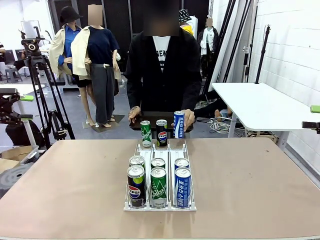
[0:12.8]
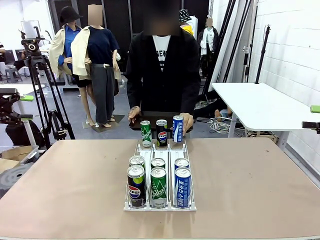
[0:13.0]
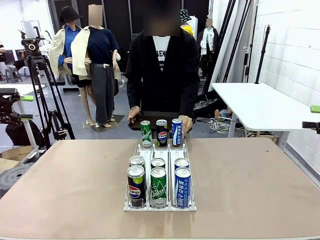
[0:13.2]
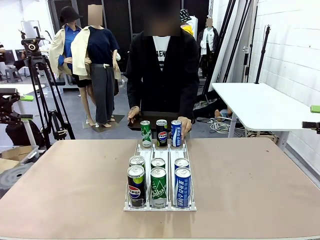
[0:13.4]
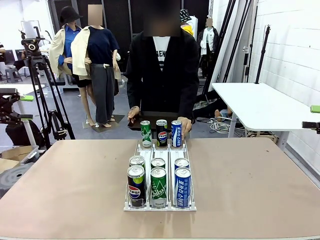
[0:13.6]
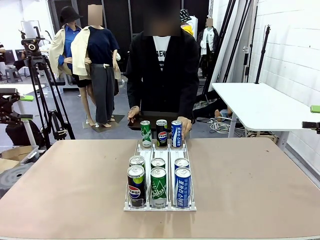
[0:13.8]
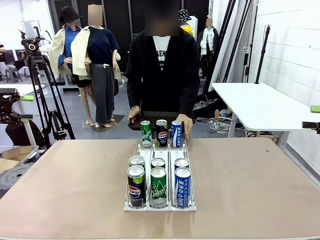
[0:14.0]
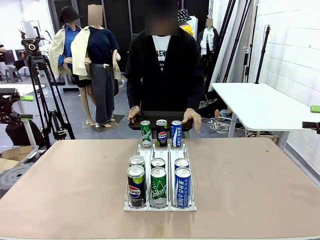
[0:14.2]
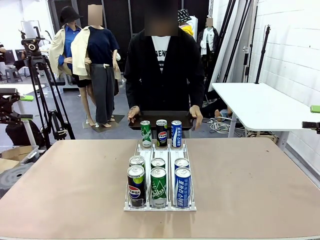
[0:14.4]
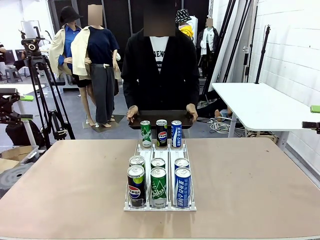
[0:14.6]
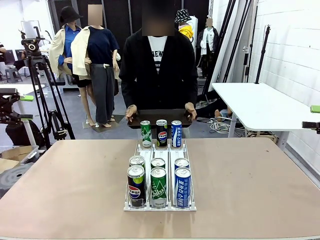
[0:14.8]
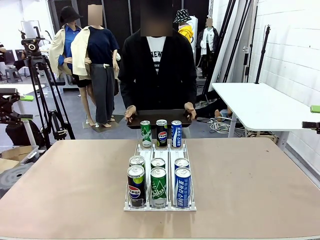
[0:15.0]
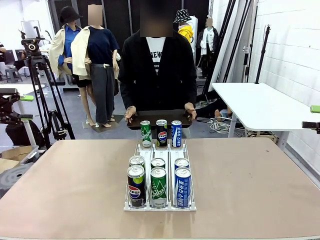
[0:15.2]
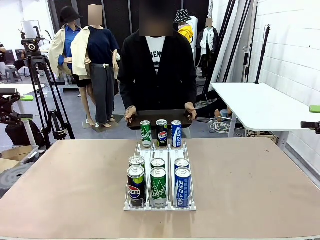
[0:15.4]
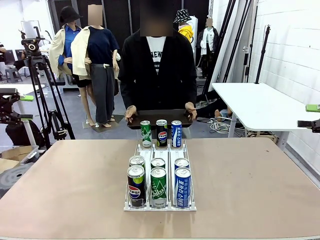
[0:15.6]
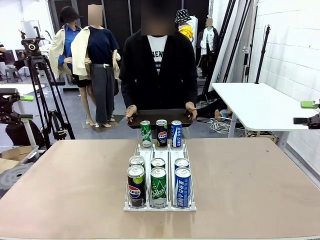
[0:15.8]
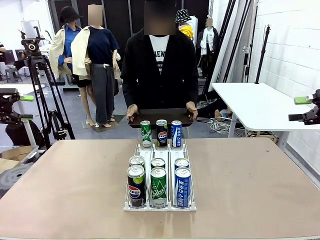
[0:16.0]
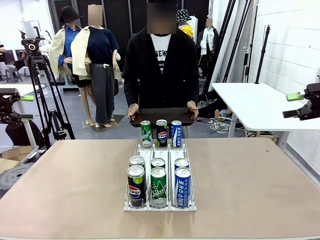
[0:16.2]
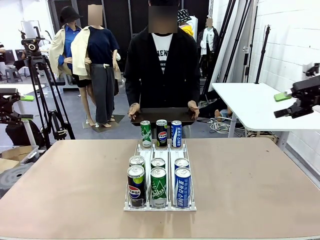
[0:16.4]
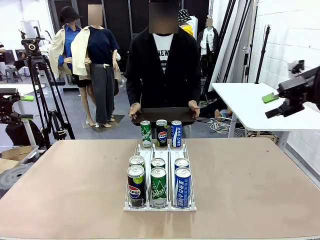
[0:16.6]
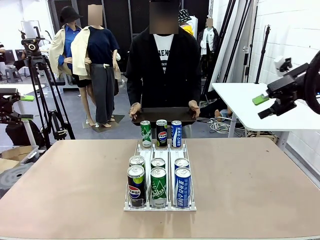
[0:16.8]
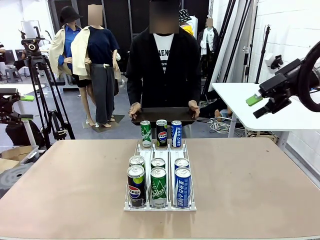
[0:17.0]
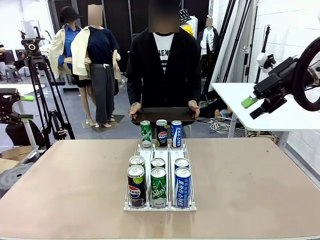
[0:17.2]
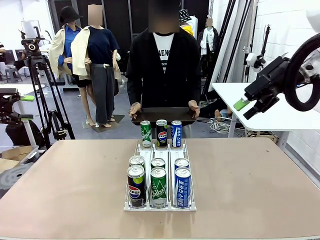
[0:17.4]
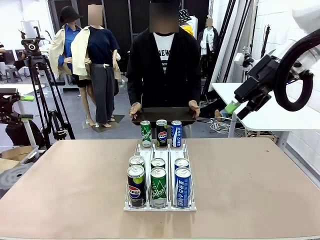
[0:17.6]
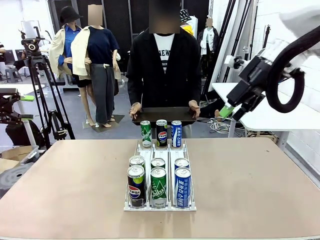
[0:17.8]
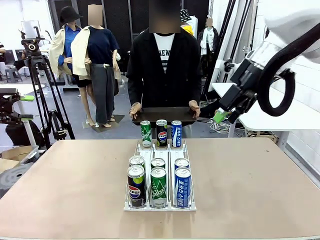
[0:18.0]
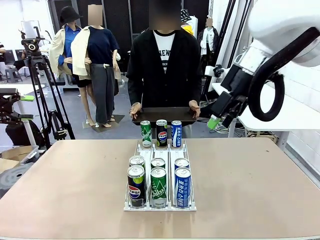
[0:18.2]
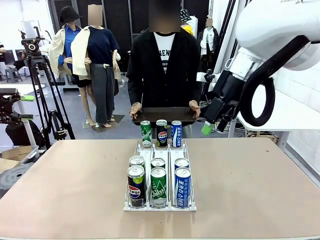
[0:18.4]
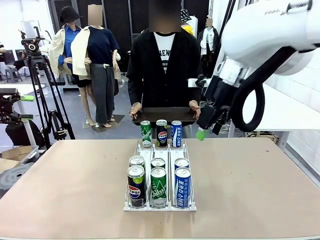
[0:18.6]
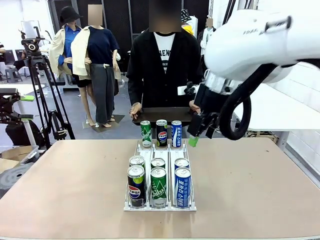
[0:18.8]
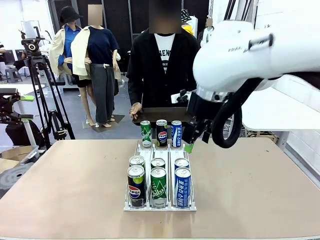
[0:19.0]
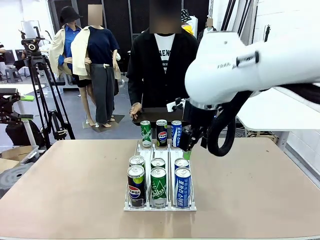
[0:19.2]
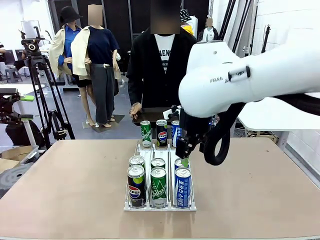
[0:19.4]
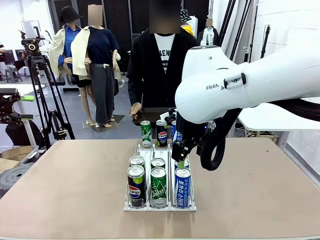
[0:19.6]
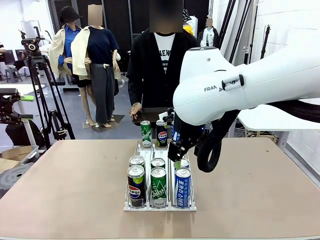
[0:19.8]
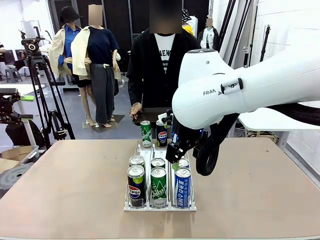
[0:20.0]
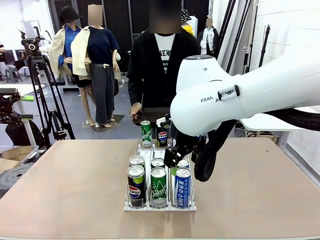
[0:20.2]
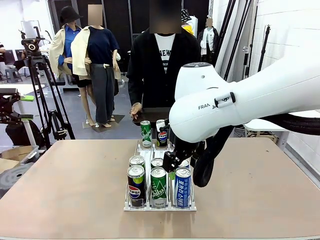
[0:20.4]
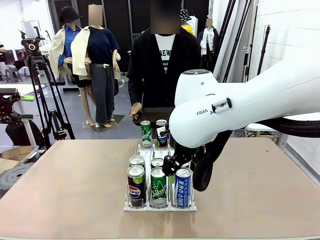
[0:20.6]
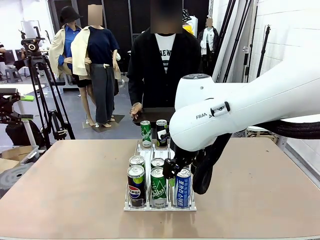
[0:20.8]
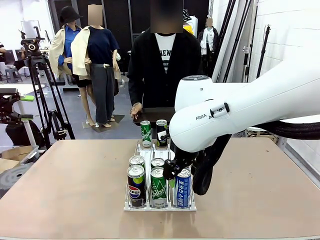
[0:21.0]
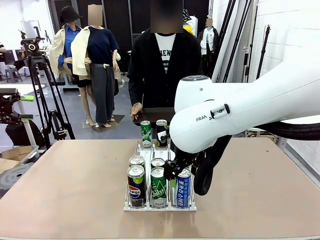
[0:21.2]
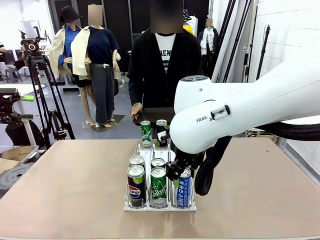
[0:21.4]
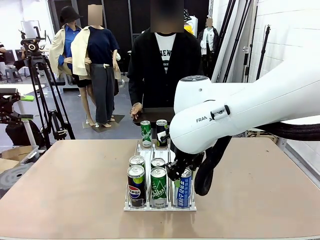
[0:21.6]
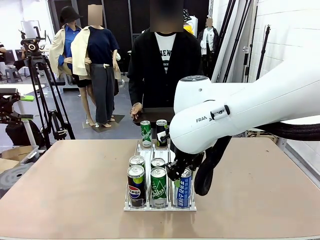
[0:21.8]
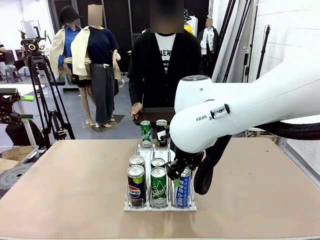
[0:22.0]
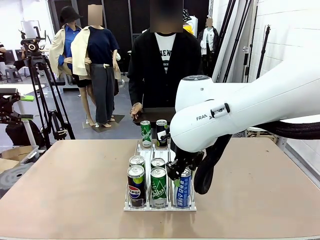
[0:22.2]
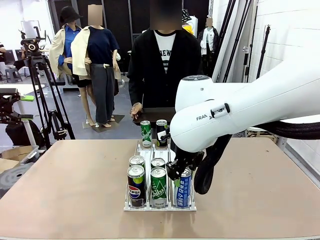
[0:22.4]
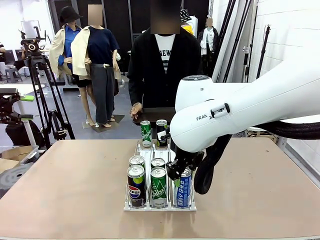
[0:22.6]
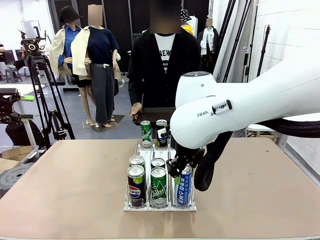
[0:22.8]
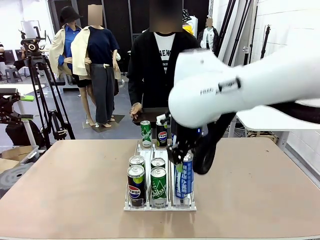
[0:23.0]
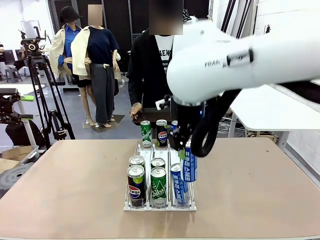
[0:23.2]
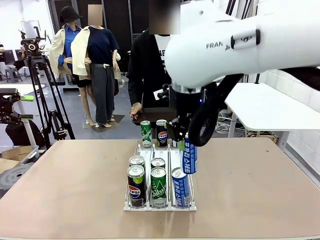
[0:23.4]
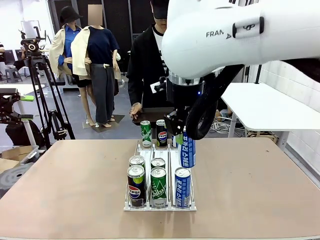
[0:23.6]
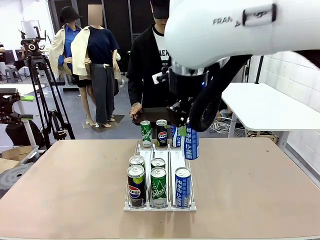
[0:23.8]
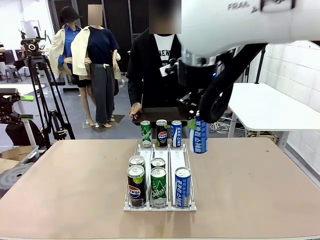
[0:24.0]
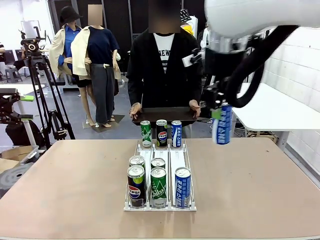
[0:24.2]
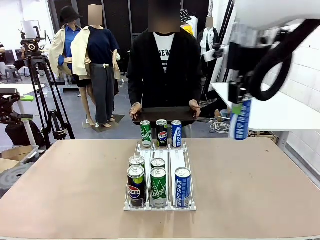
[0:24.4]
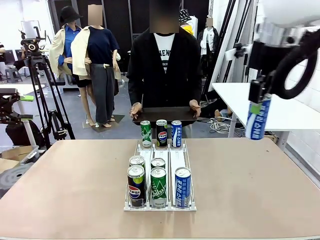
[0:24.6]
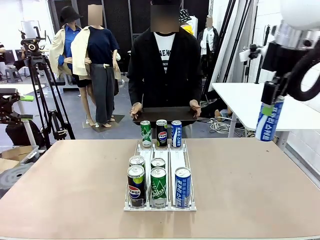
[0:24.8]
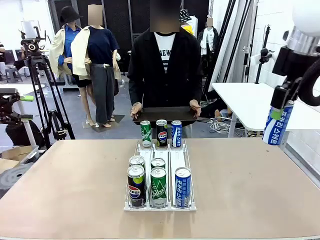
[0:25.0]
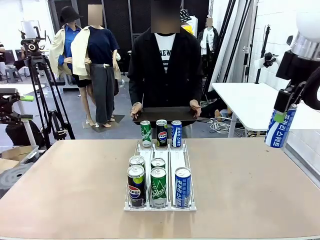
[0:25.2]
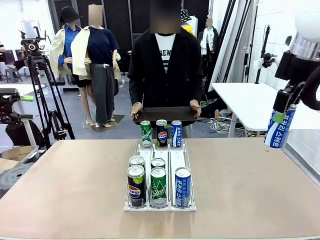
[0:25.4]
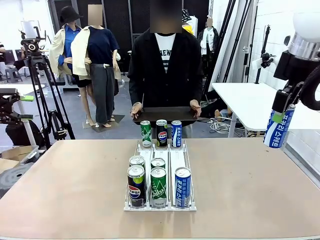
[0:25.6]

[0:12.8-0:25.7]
Task: Retrieve and hand over the desired beverage to the person.
Robot: Pick up a can of the same type that the person held from the Automatic Can Dispenser.
Person: Push the tray toward the robot.

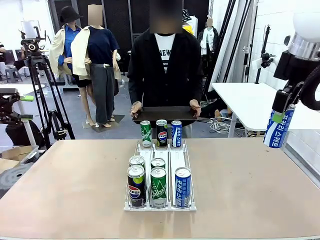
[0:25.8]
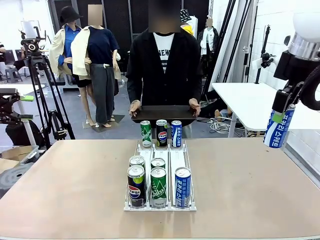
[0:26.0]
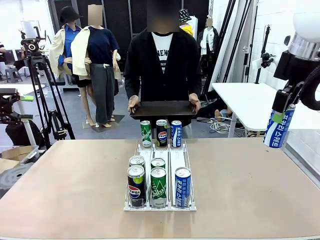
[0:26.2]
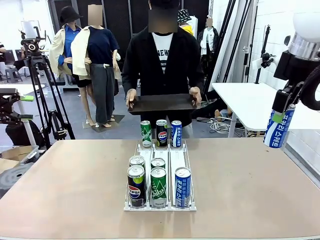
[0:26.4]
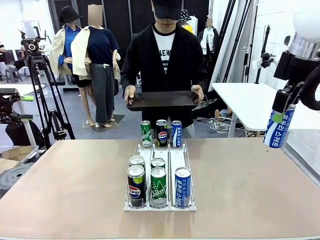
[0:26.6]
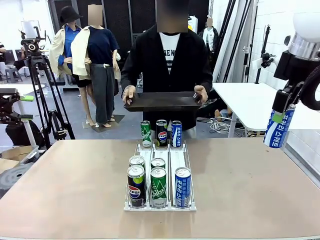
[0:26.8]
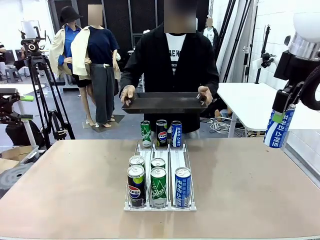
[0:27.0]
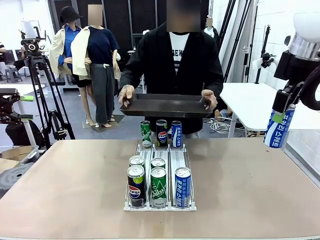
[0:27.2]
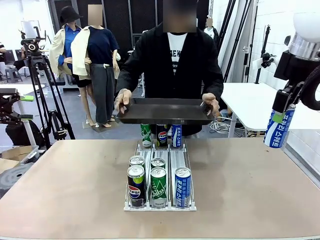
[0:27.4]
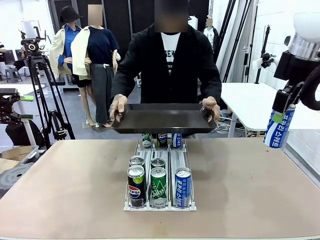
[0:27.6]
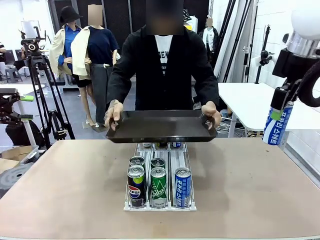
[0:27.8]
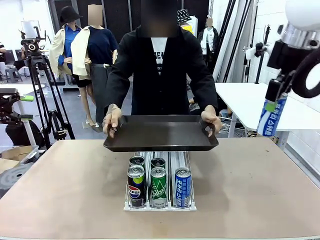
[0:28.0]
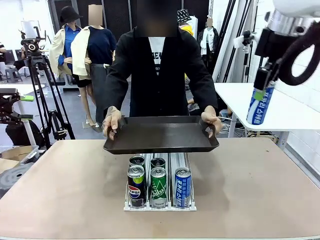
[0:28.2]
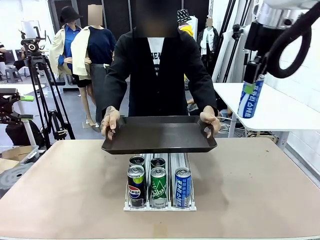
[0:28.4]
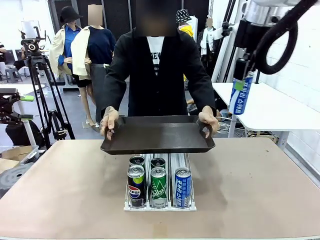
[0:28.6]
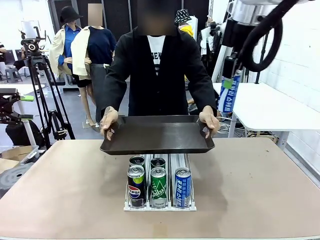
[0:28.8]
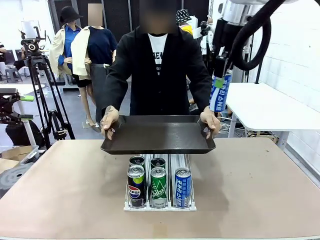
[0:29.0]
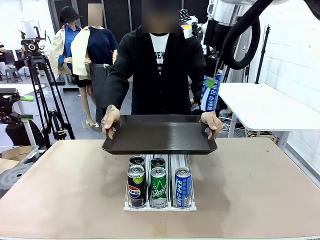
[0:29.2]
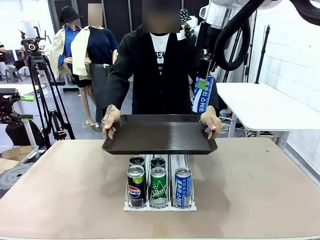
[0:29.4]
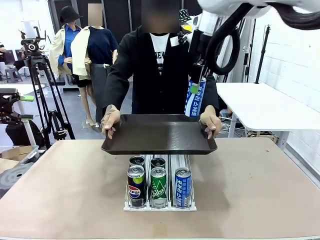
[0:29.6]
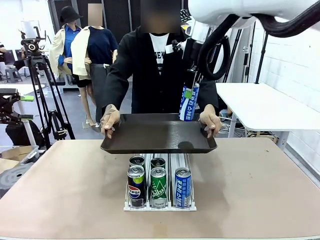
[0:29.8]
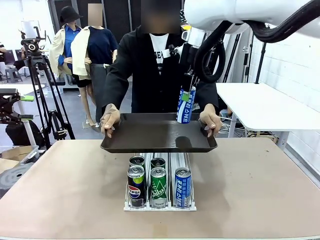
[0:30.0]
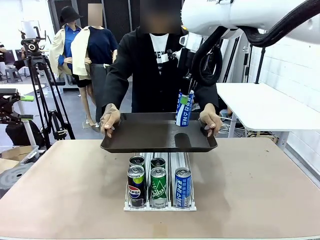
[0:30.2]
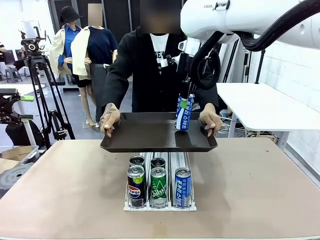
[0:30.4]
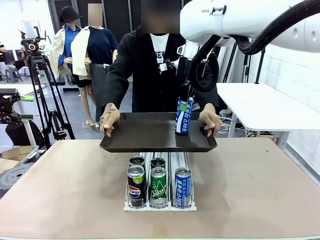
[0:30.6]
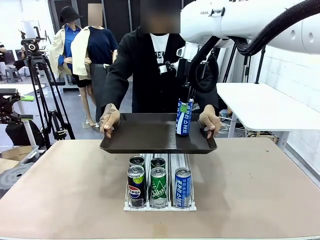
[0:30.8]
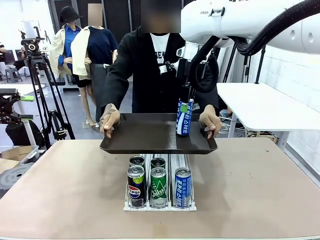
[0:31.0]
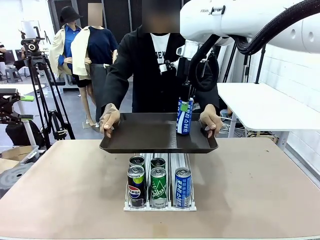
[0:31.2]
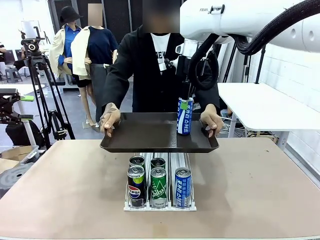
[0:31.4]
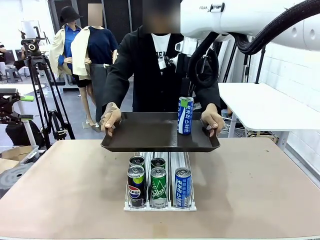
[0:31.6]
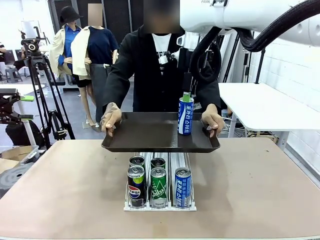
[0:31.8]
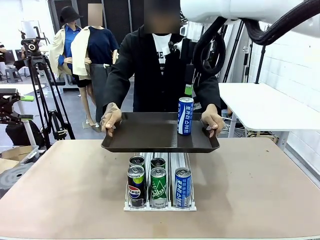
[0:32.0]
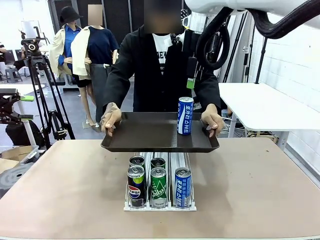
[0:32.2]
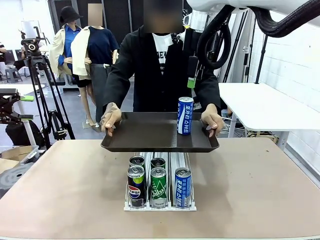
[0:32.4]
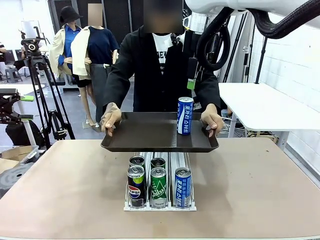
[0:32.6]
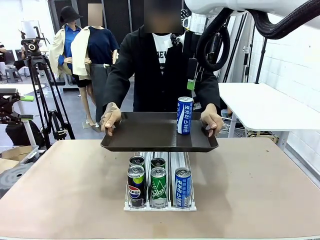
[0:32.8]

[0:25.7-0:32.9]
Robot: Place the picked can on the Handle tray extended by the person.
